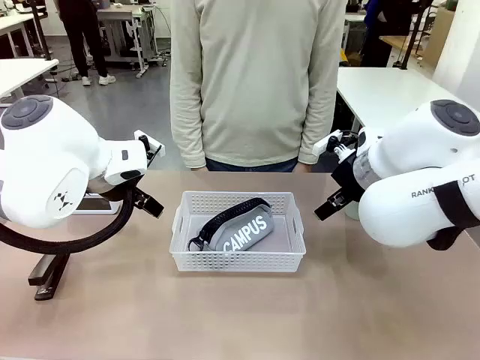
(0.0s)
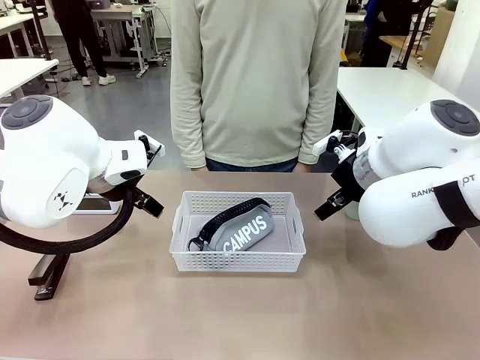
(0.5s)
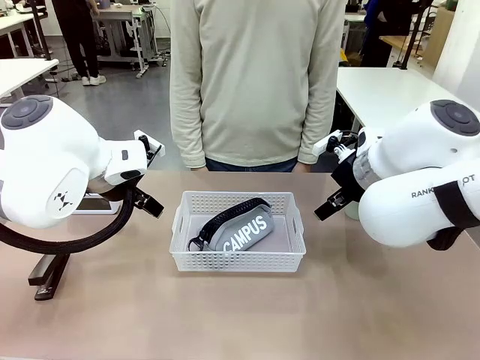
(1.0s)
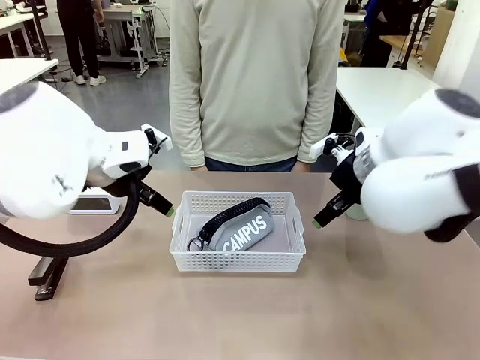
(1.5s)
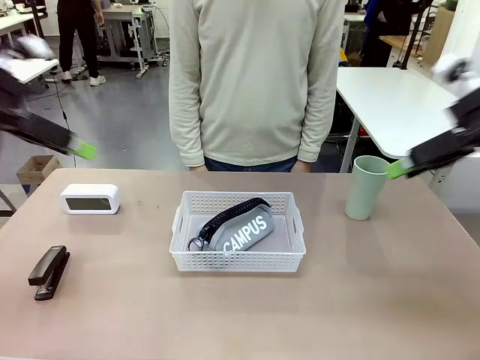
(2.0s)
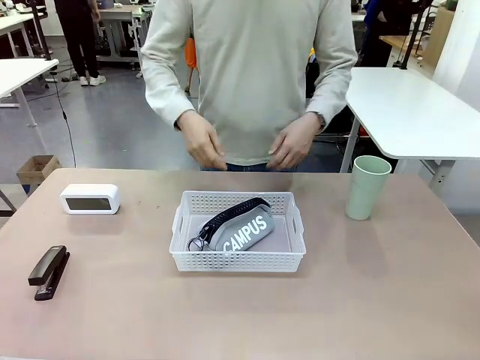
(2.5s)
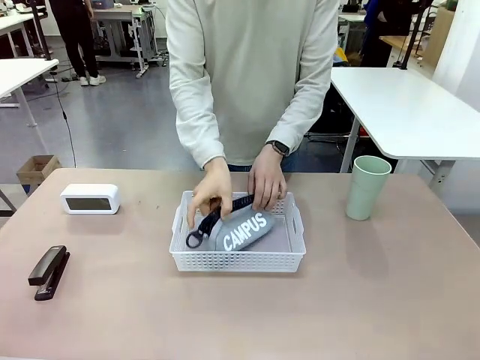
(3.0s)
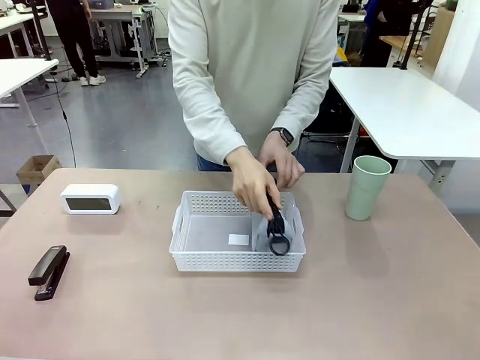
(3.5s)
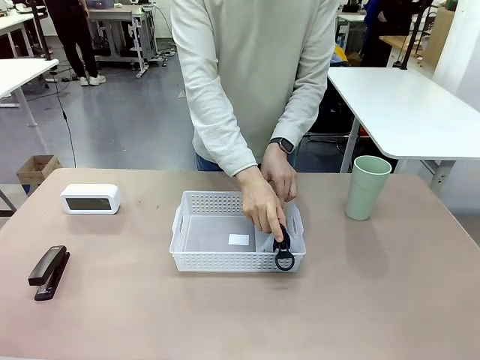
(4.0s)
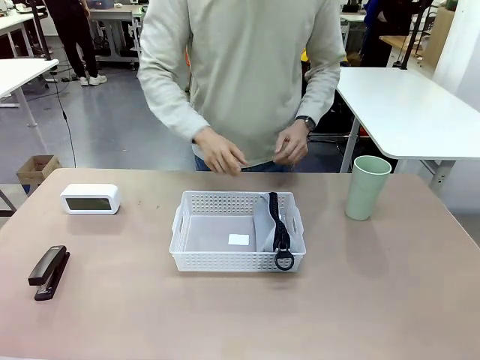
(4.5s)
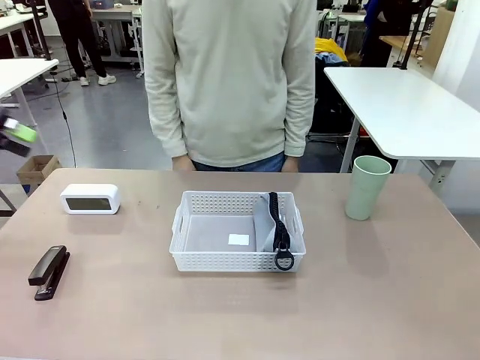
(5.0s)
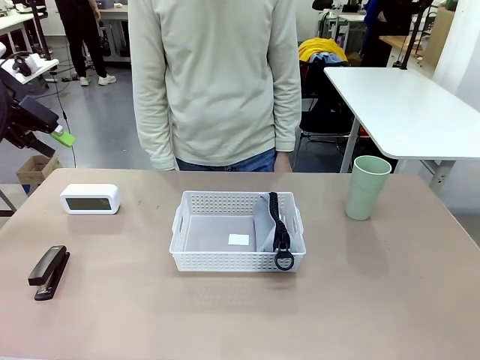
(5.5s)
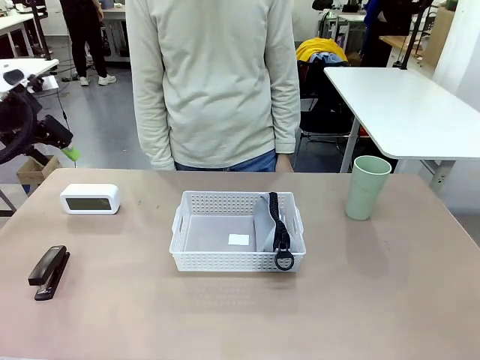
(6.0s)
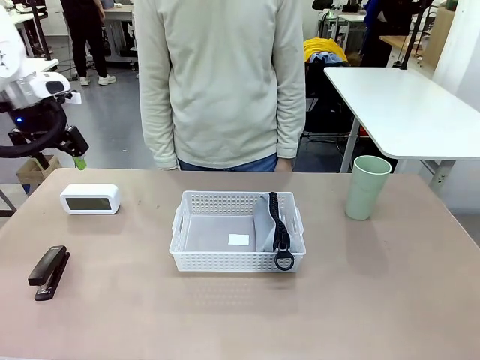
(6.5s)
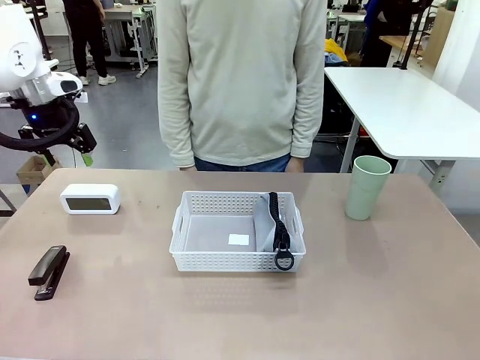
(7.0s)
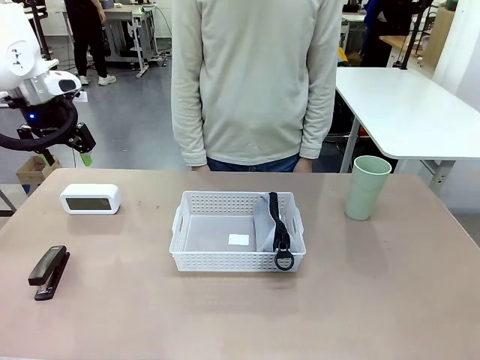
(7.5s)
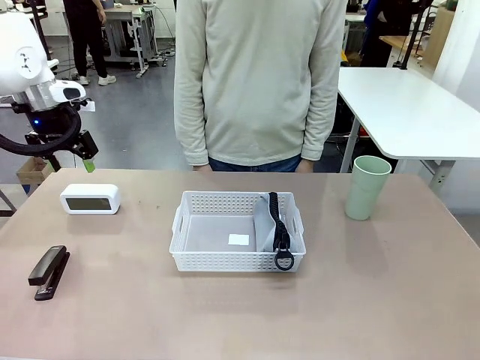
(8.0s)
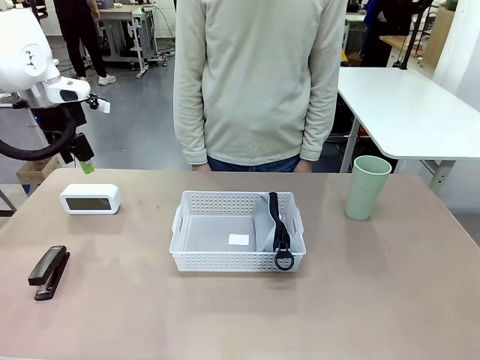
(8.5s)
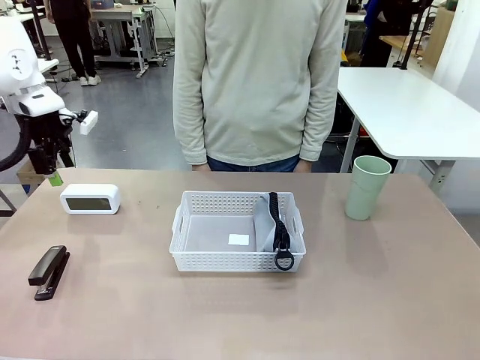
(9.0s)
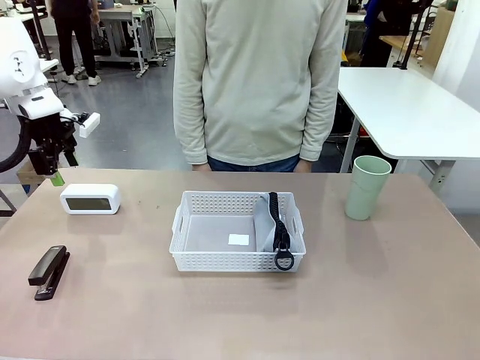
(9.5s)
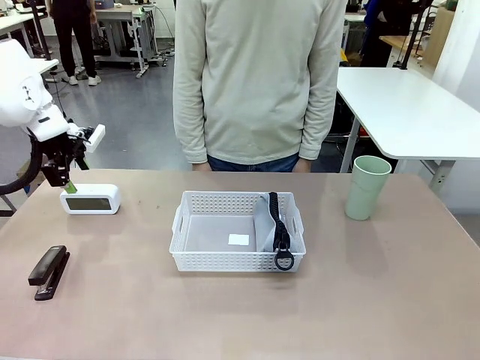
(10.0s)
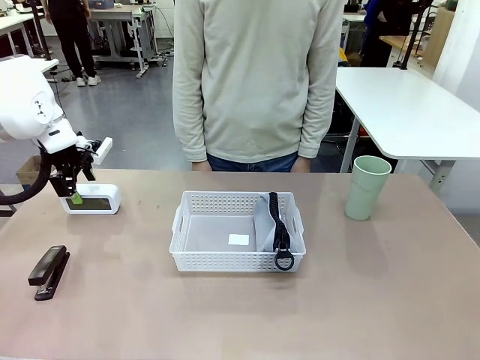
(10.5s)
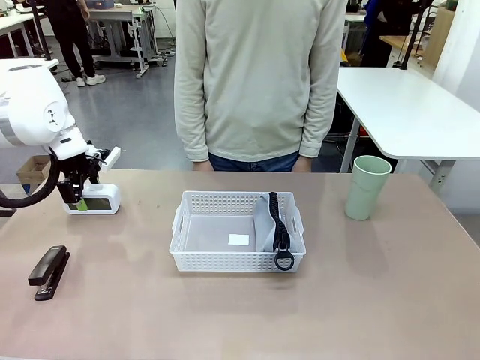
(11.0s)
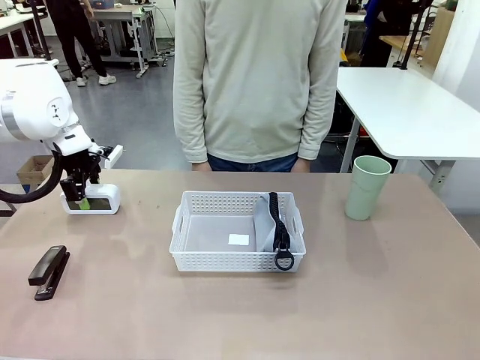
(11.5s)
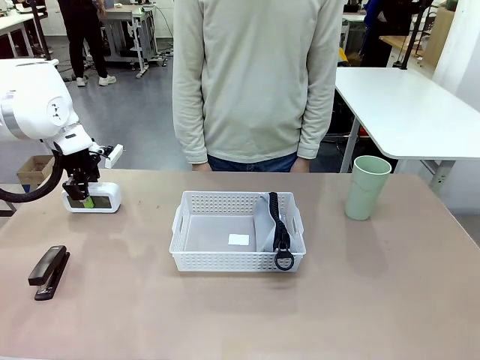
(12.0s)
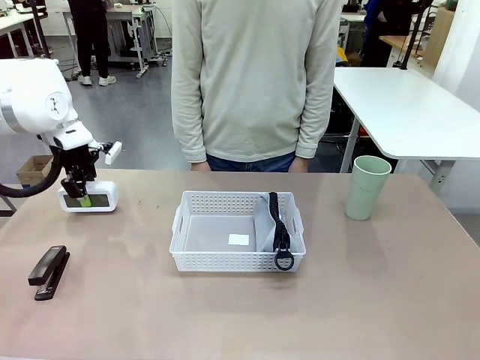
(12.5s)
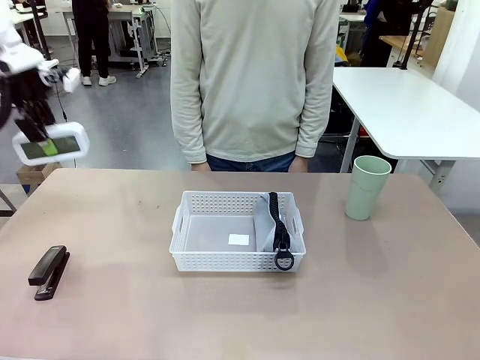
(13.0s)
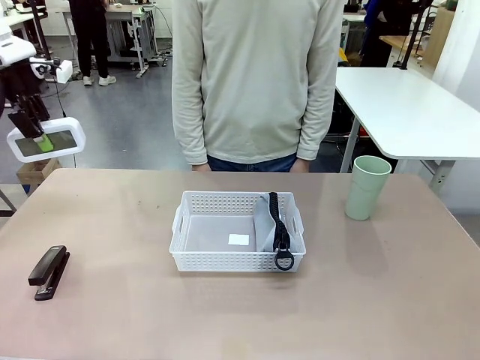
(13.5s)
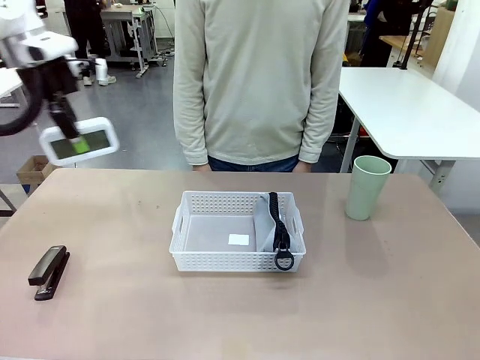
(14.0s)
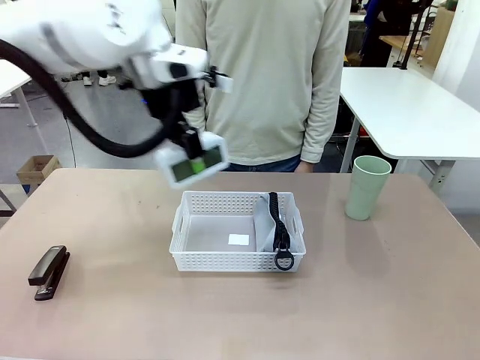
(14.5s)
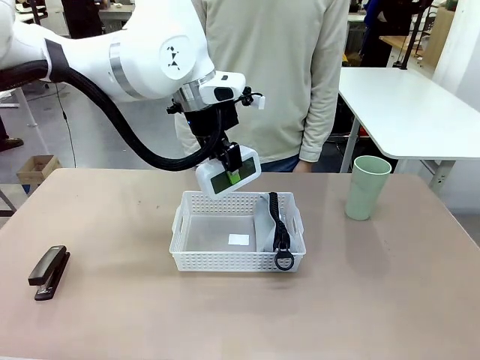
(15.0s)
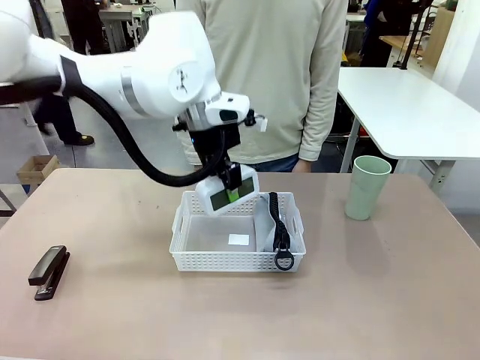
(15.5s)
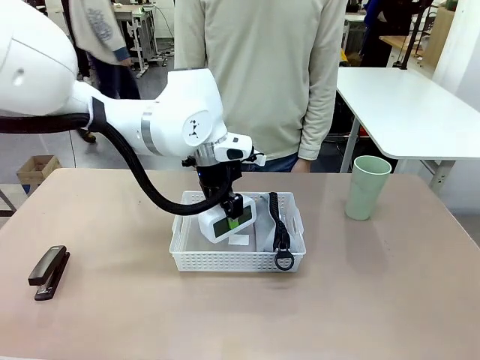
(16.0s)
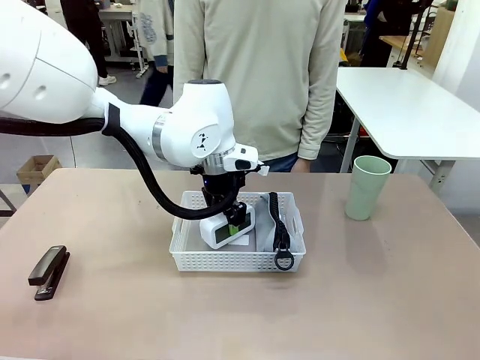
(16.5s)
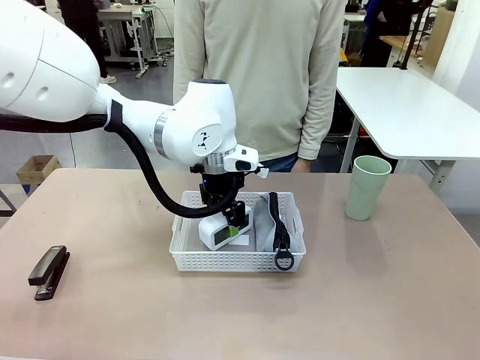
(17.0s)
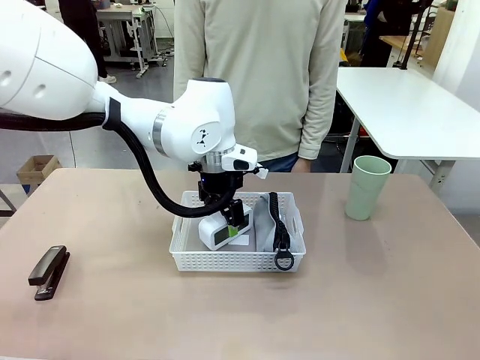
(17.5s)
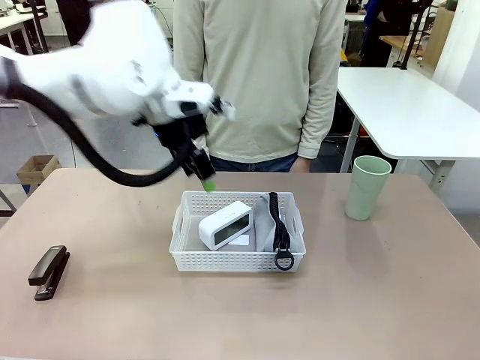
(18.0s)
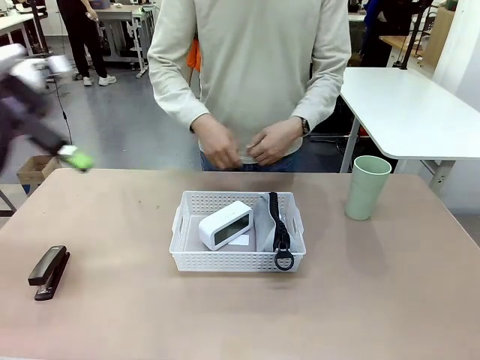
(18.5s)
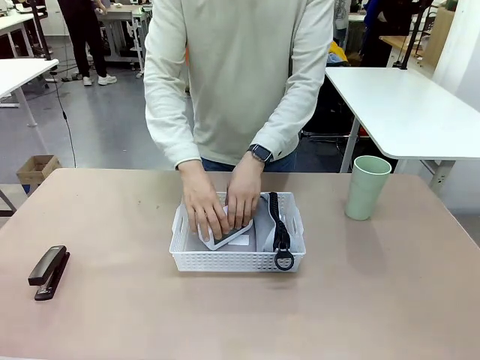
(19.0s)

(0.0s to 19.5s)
Task: Efficiently arrange items inside the basket to fit them all.
Robot: Pick up the Digital clock and place it inside the Organizing basket.
Person: Repositions the pencil case. Repositions the digital clock.

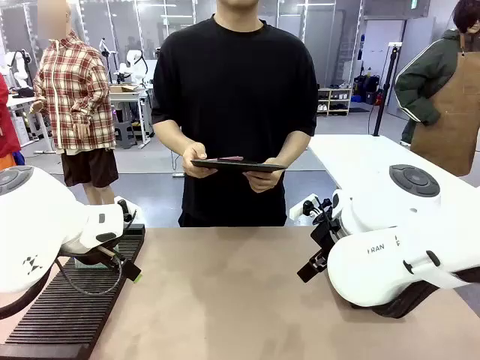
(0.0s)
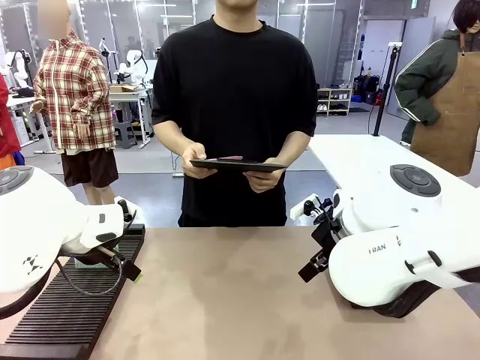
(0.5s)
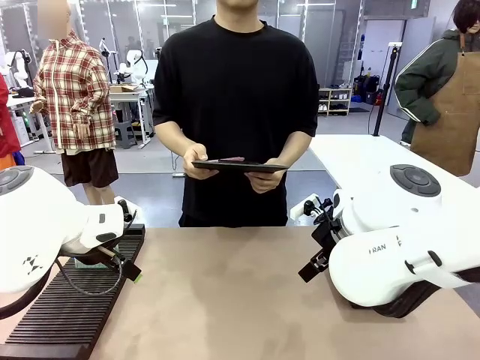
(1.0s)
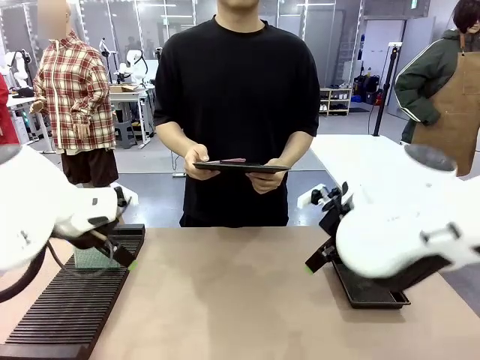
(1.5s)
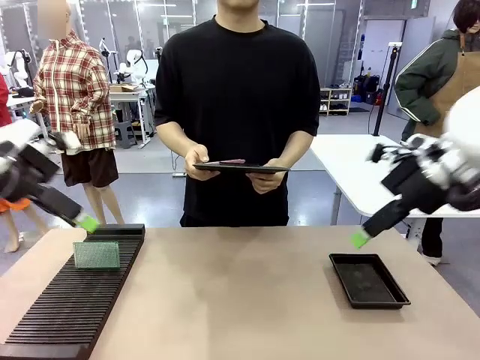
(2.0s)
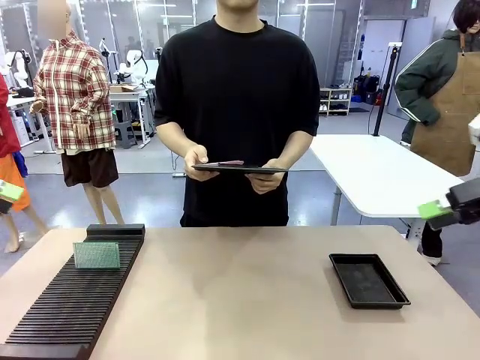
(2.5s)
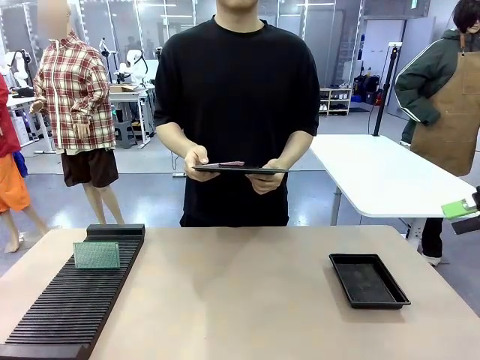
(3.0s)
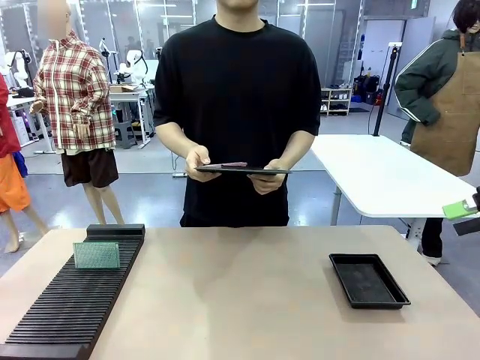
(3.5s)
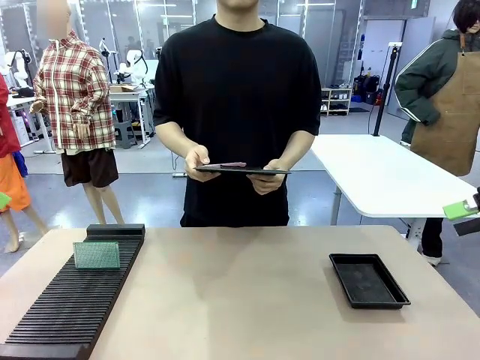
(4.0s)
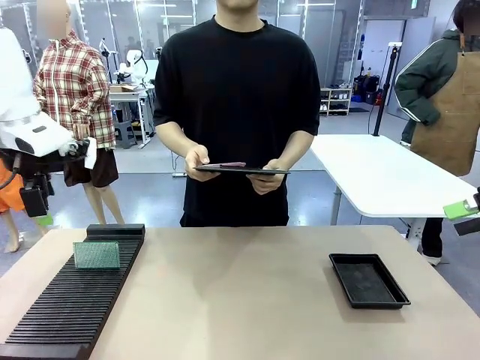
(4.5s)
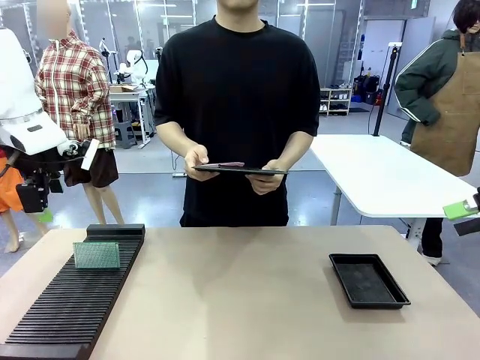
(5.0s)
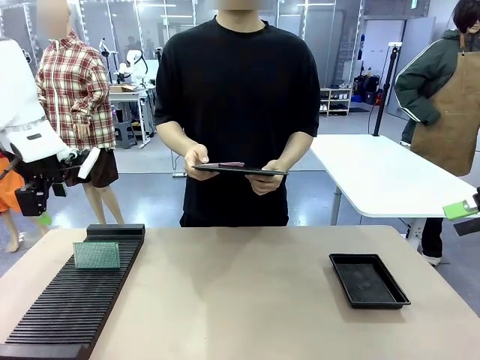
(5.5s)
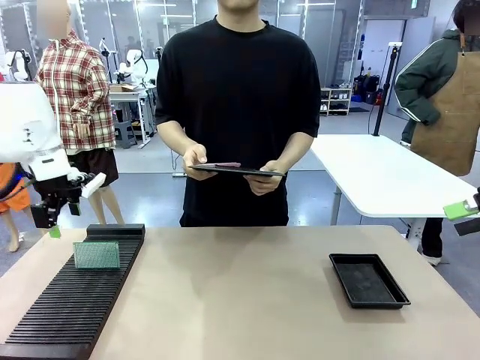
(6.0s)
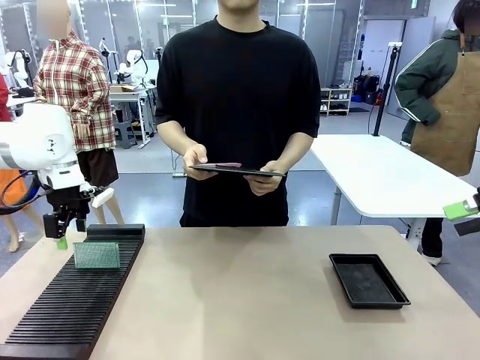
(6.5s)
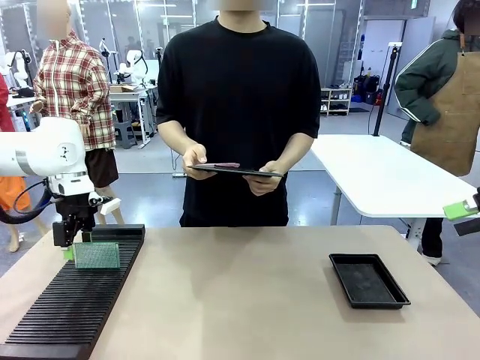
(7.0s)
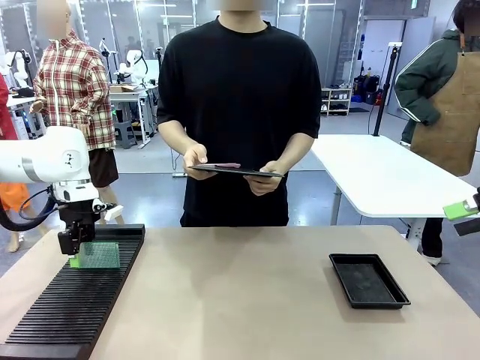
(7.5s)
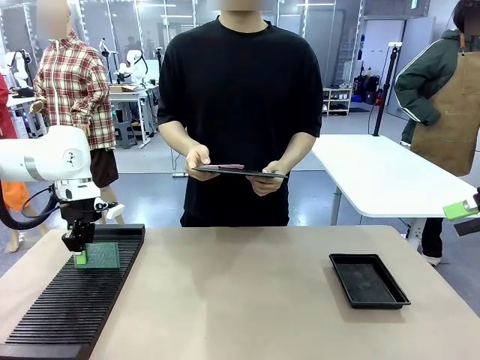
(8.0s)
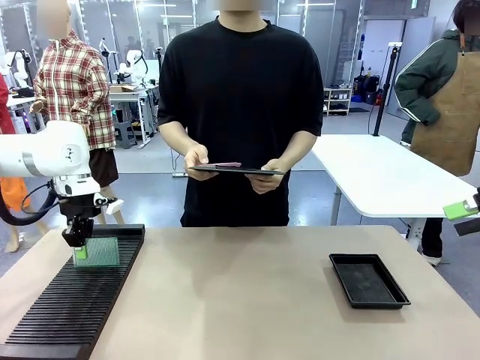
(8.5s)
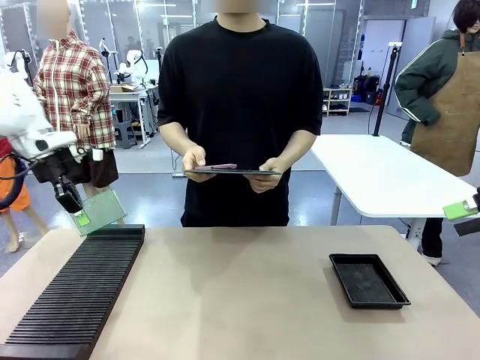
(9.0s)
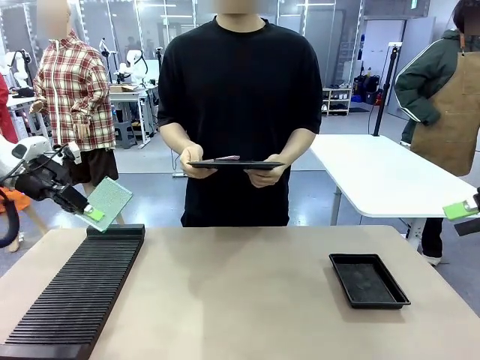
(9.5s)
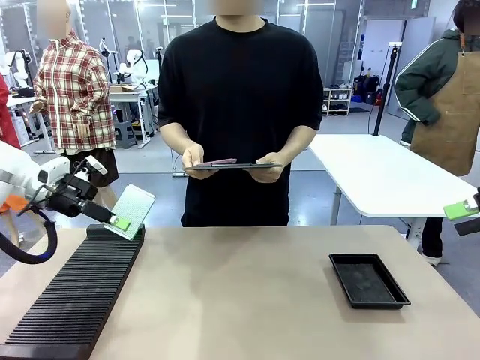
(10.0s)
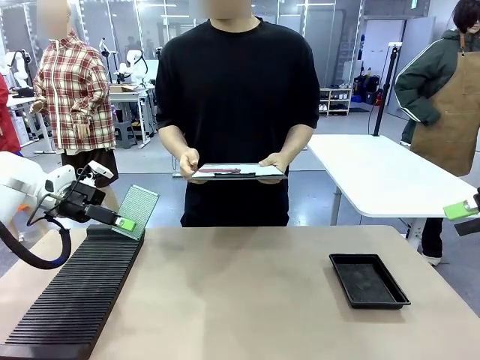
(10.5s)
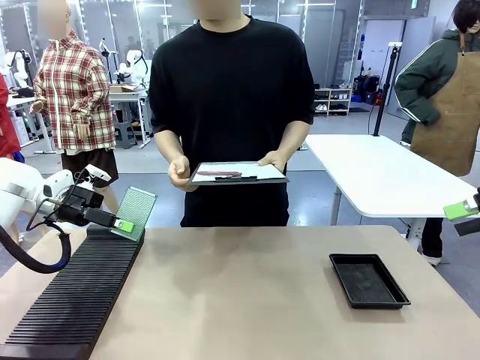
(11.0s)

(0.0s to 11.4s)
Task: Inspect the PCB.
Robot: Pick up the Blank PCB and present it to the human.
Person: Pick up the PCB presented by the robot.
